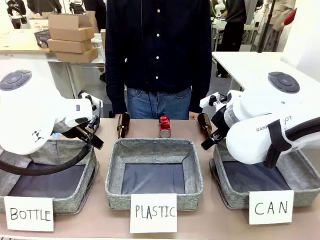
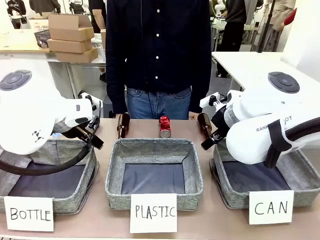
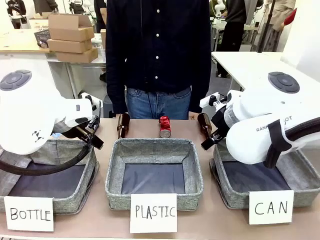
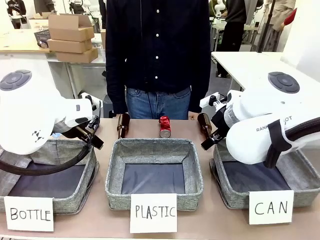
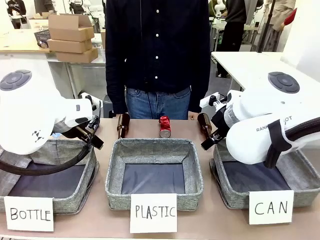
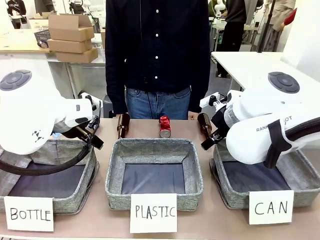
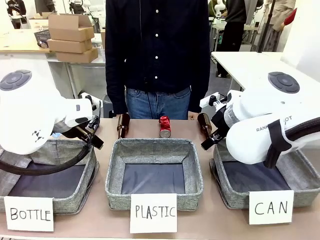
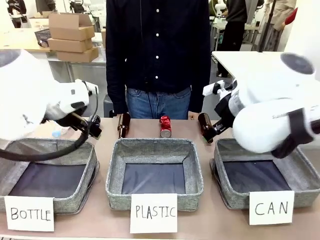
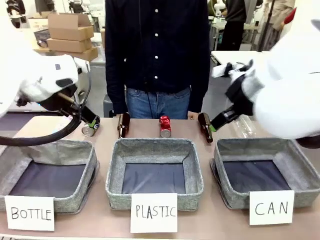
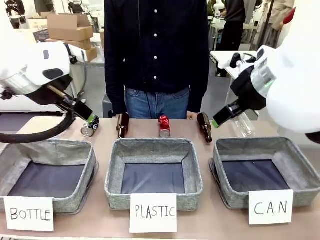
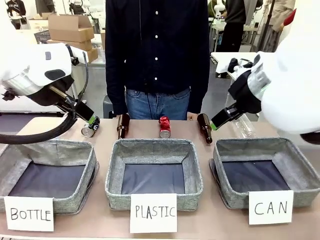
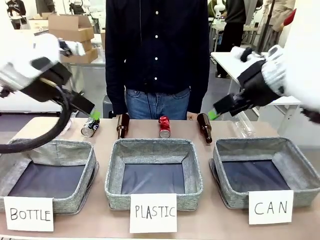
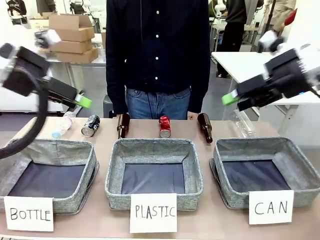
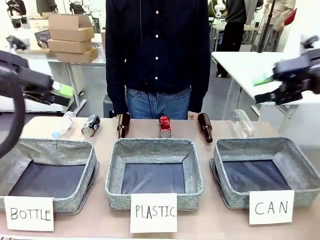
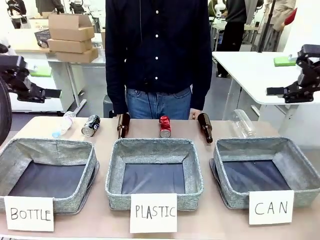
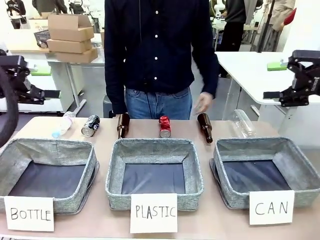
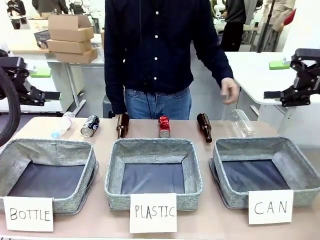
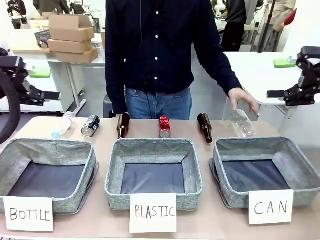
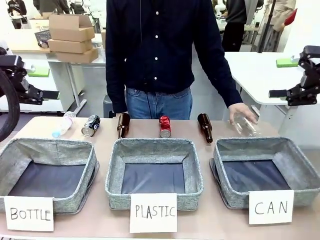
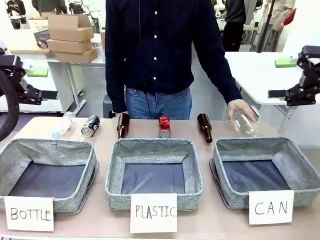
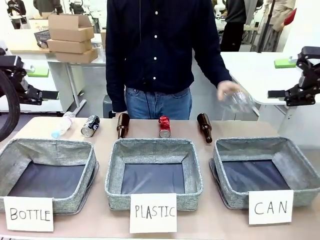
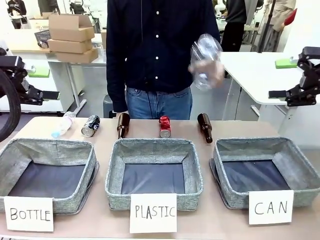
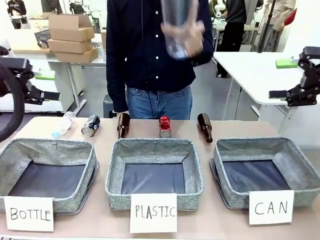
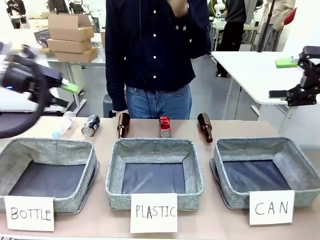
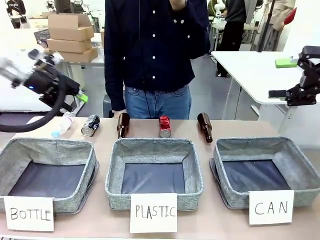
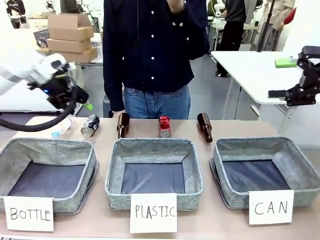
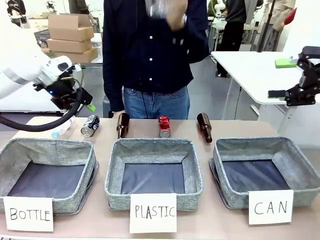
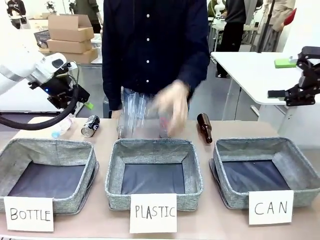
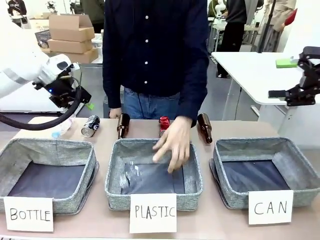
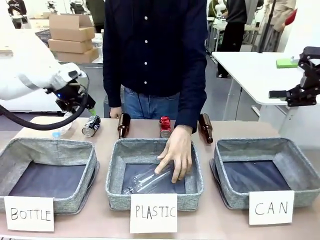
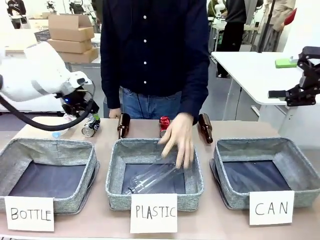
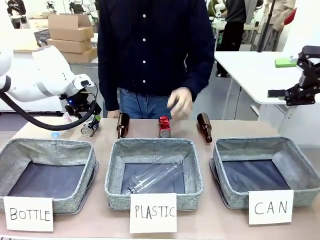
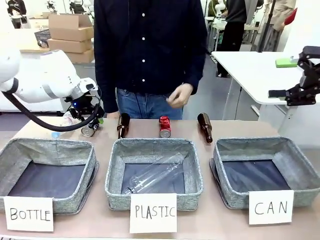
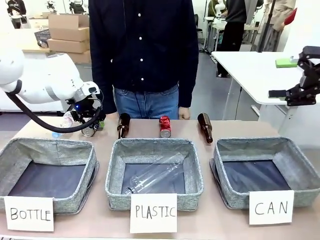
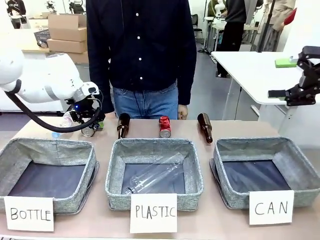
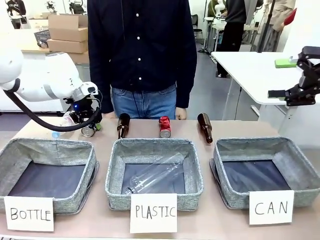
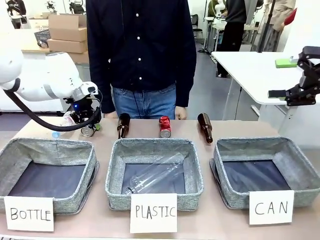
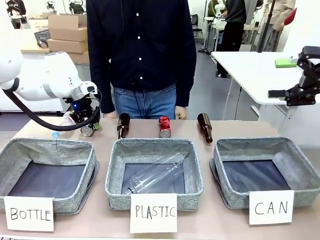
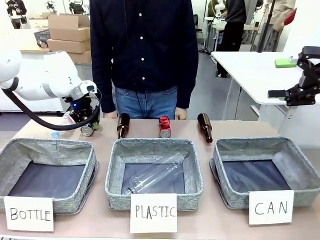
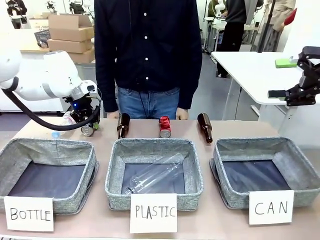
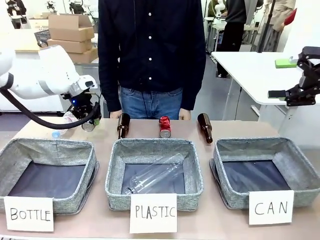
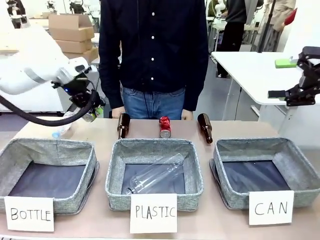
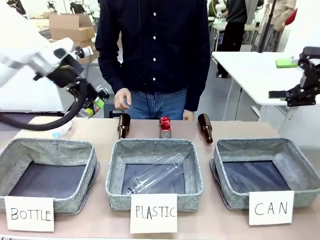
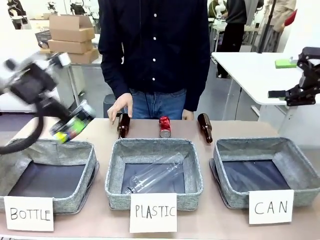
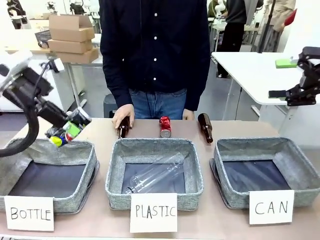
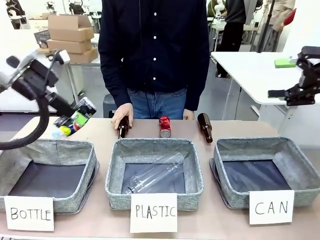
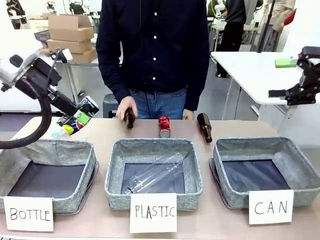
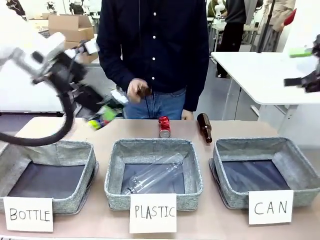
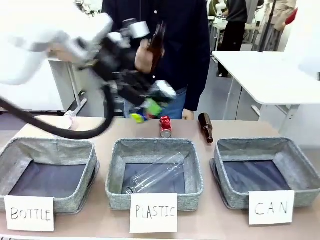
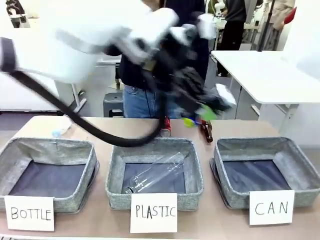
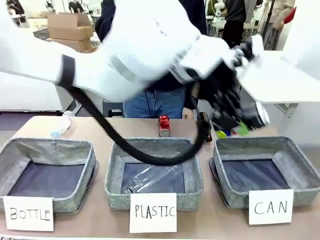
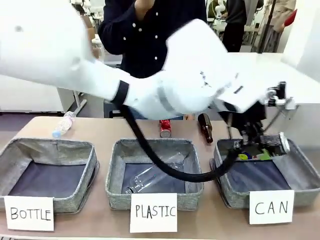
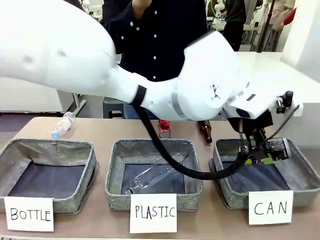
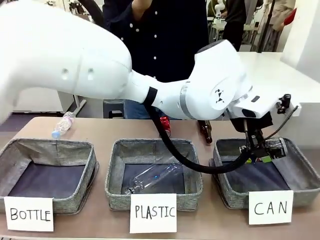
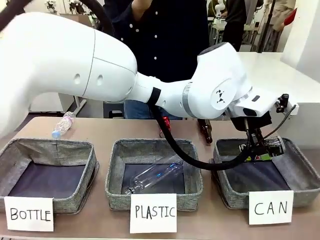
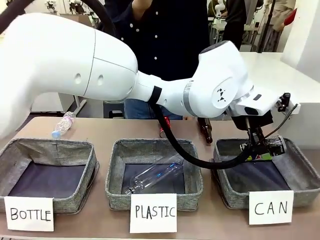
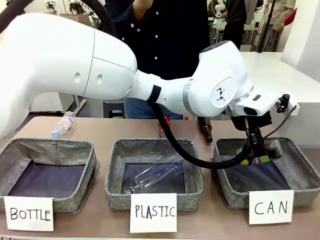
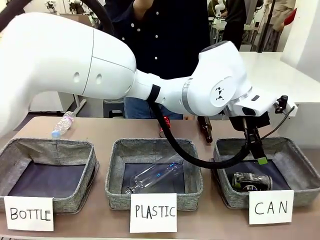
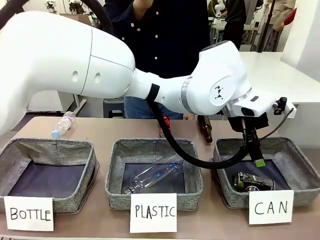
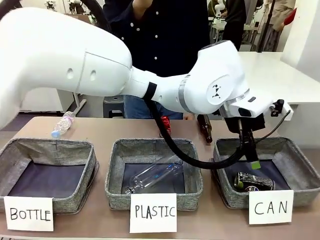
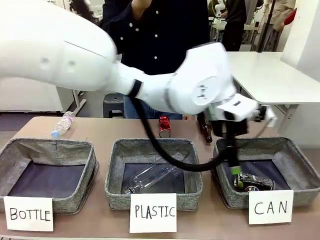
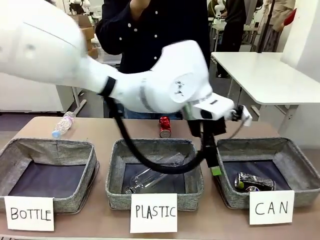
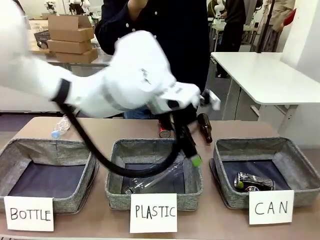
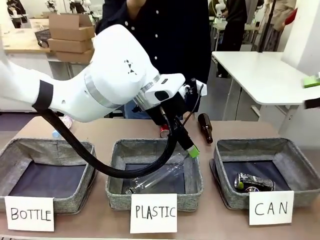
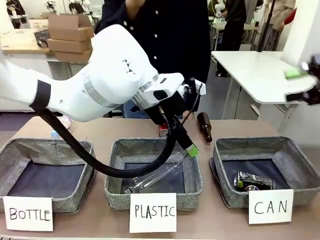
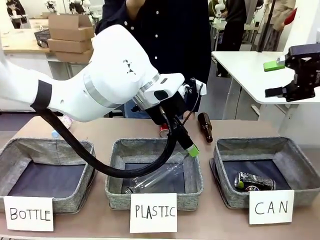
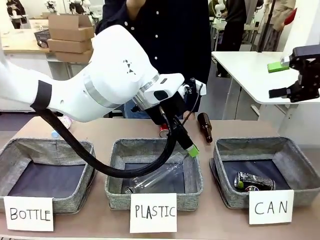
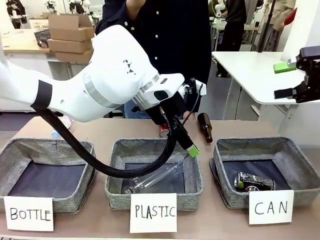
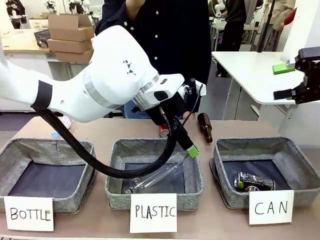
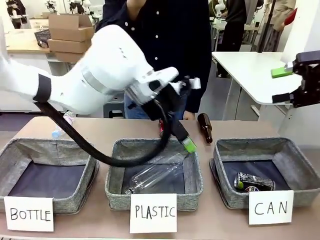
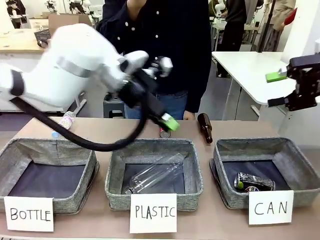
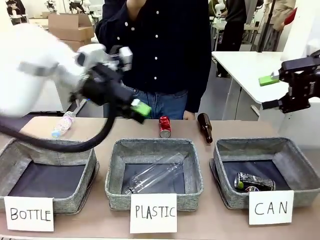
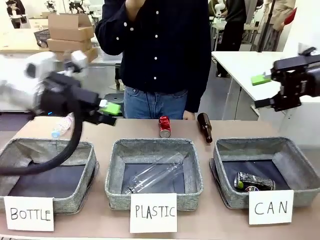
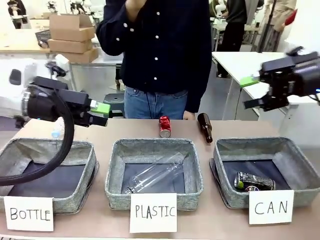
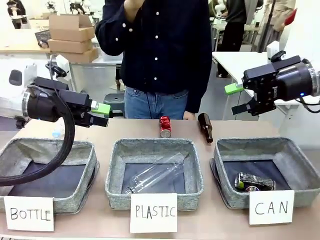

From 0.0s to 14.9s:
Task: Sort the can waste into the basket.
Robot: Pick up the can waste from the table and place it in the right Fabric basket.
